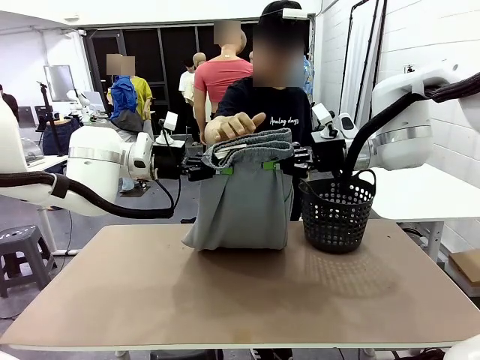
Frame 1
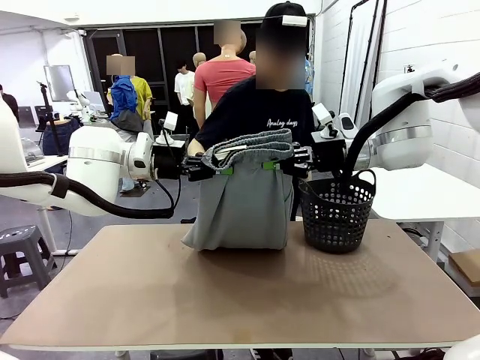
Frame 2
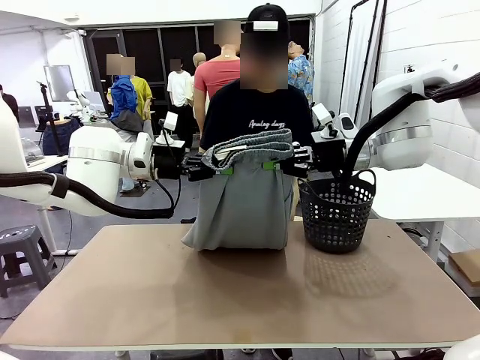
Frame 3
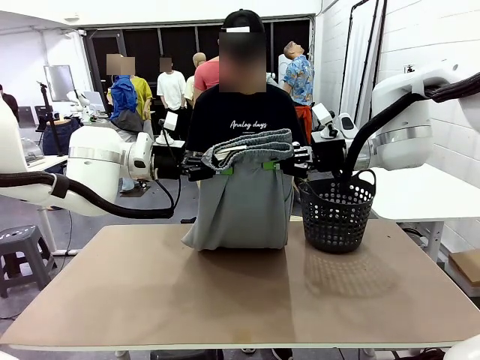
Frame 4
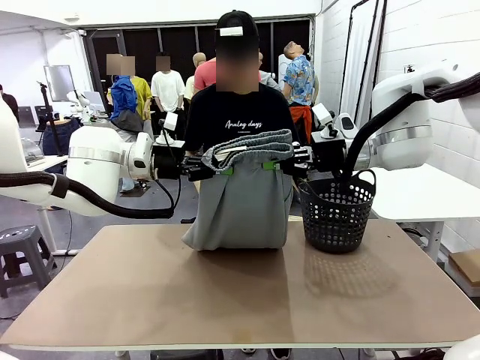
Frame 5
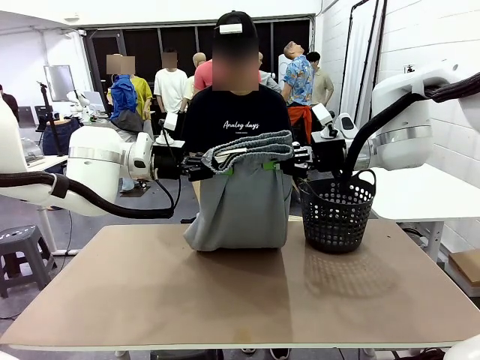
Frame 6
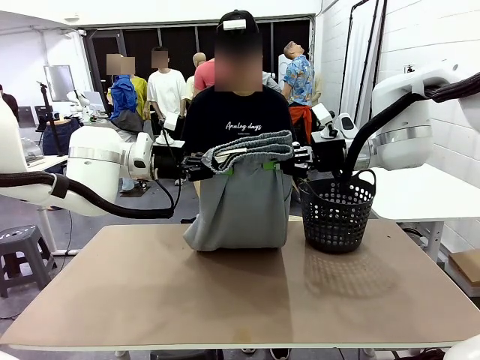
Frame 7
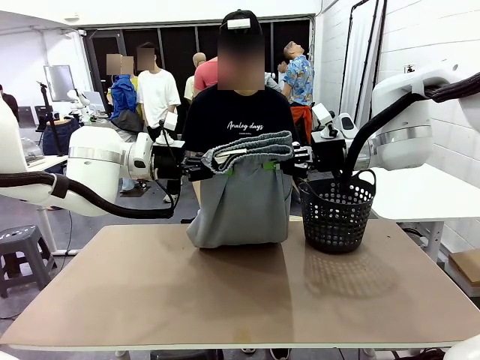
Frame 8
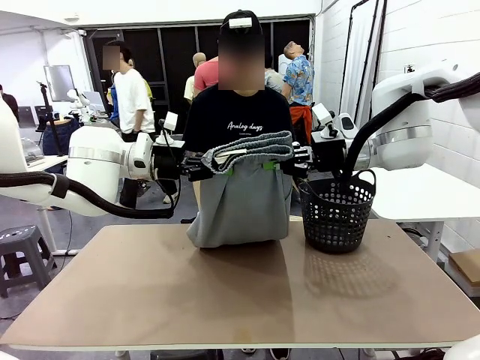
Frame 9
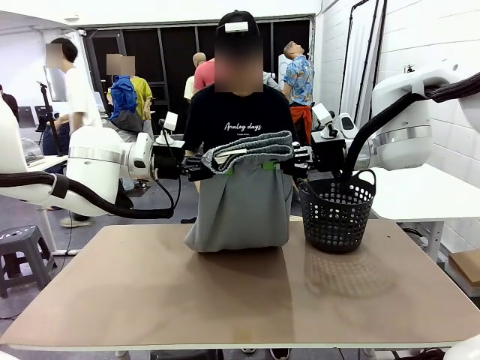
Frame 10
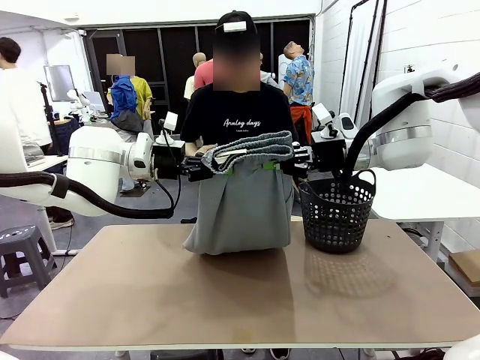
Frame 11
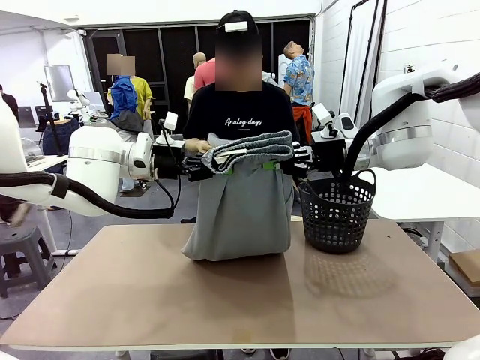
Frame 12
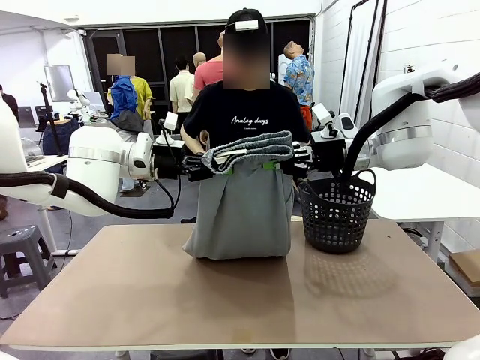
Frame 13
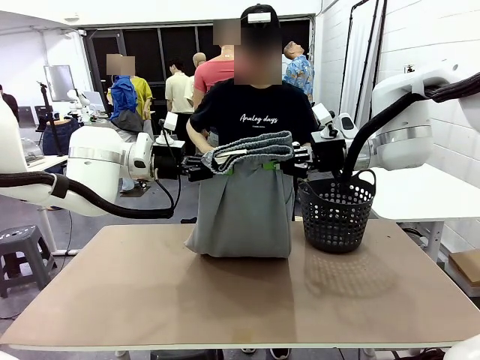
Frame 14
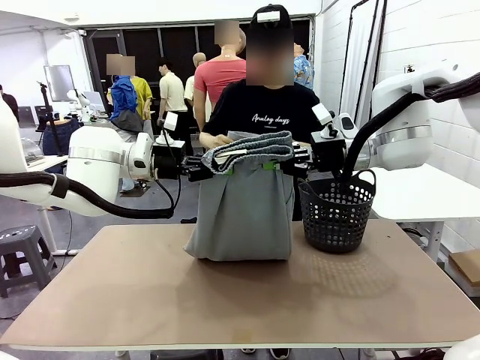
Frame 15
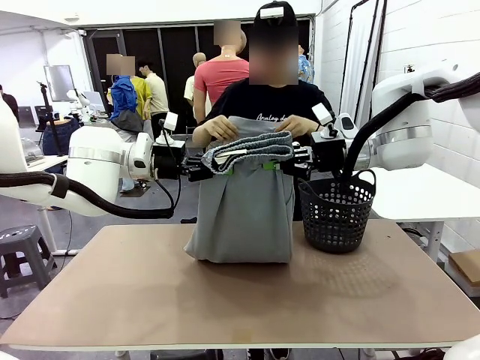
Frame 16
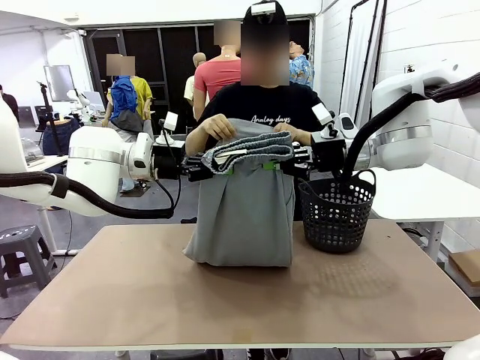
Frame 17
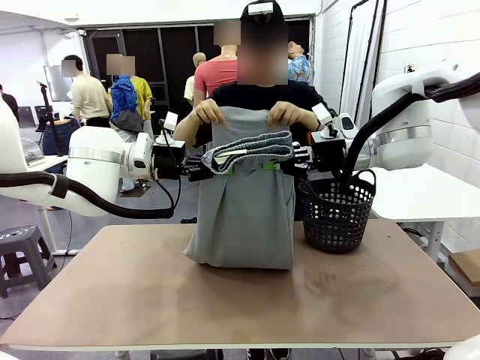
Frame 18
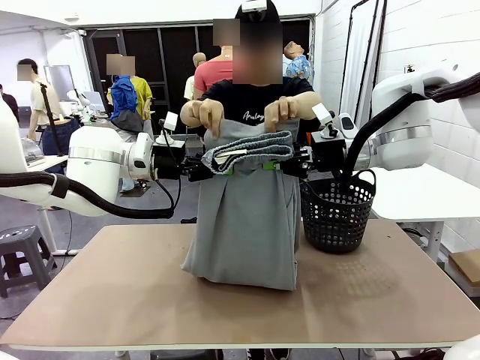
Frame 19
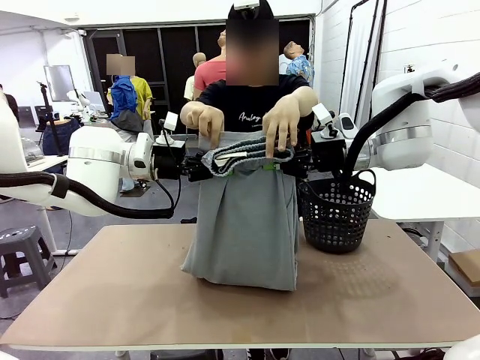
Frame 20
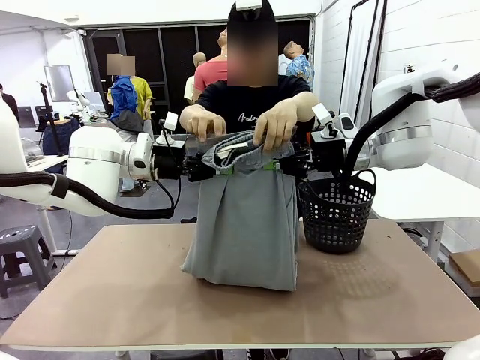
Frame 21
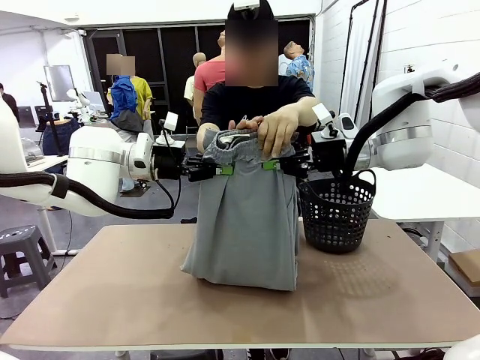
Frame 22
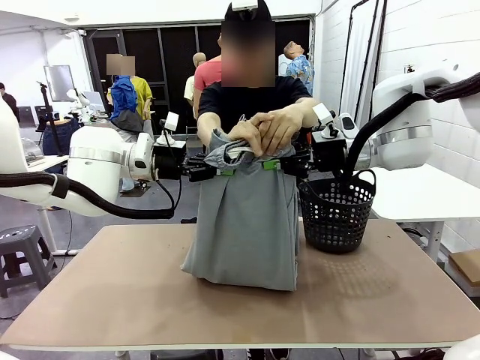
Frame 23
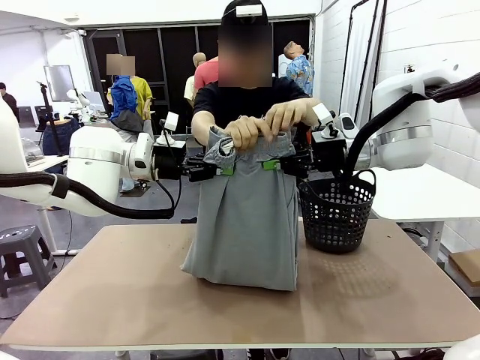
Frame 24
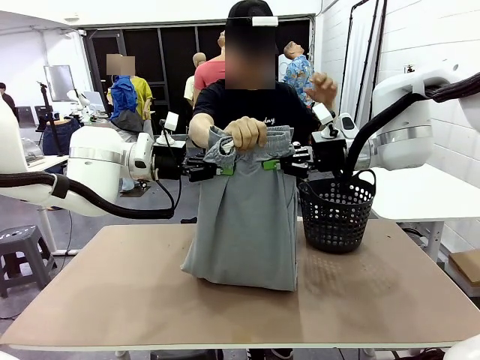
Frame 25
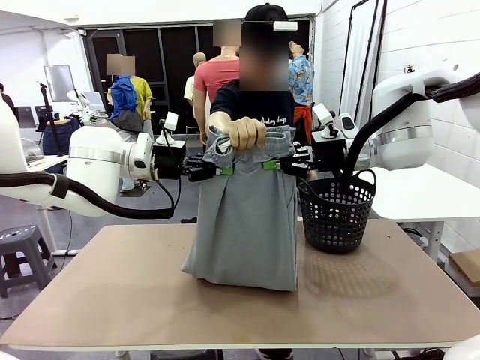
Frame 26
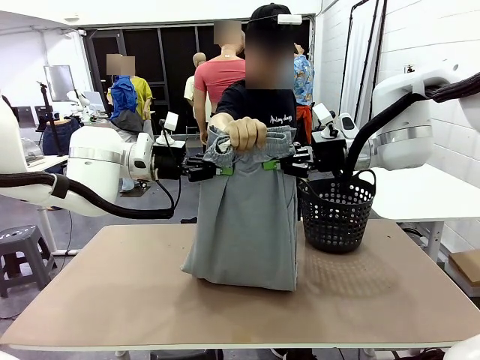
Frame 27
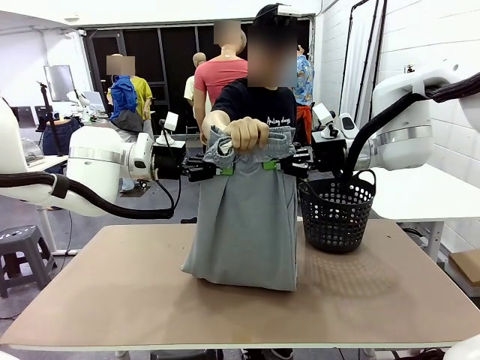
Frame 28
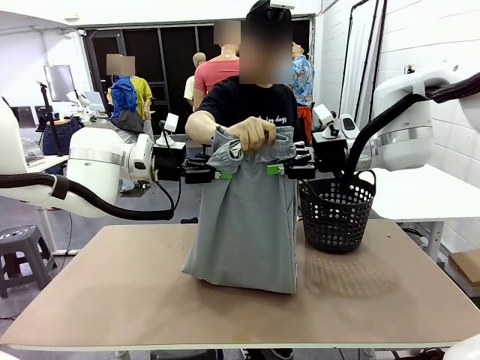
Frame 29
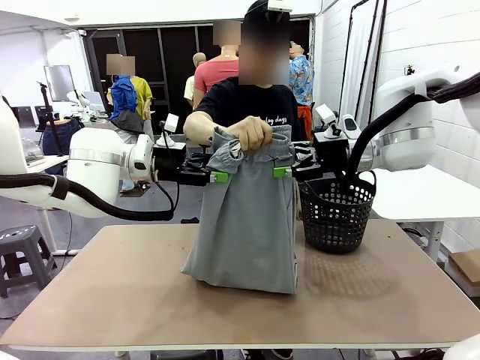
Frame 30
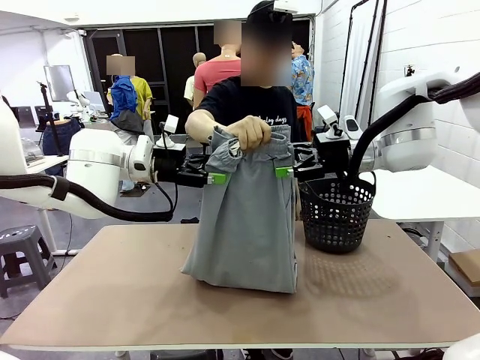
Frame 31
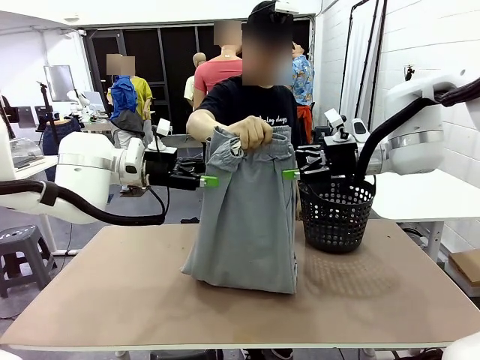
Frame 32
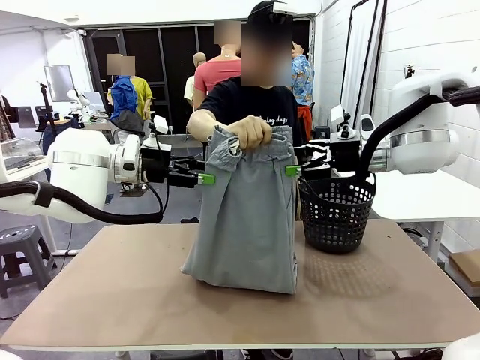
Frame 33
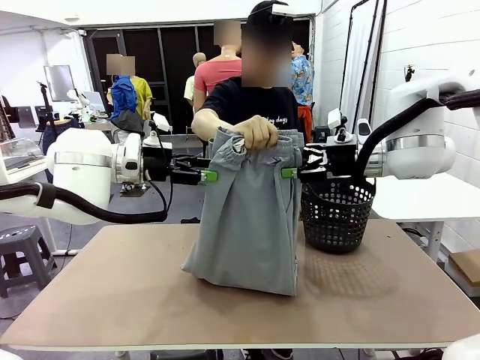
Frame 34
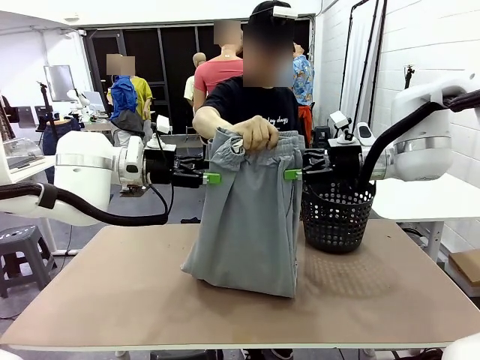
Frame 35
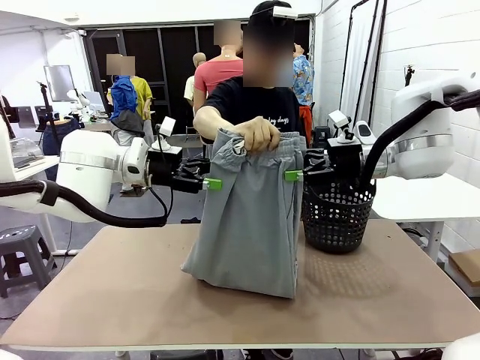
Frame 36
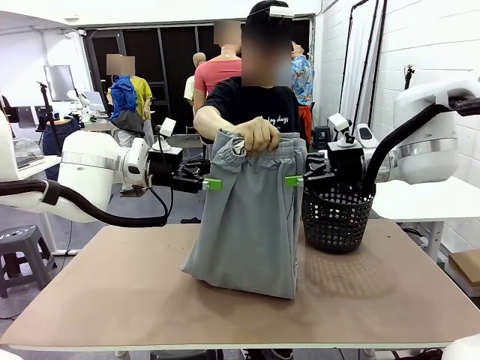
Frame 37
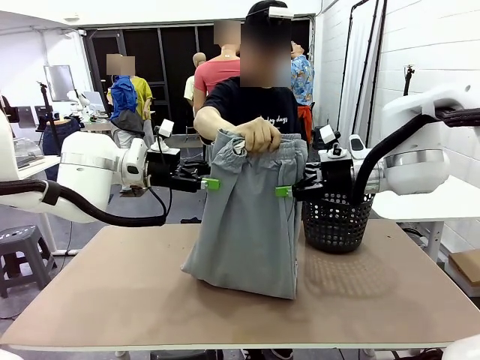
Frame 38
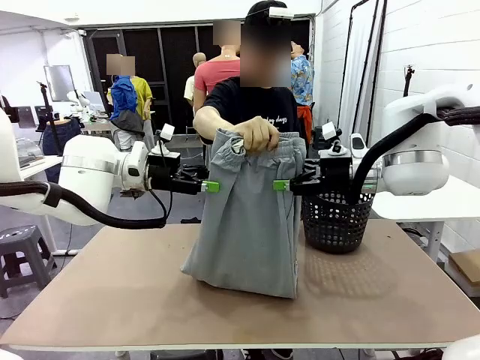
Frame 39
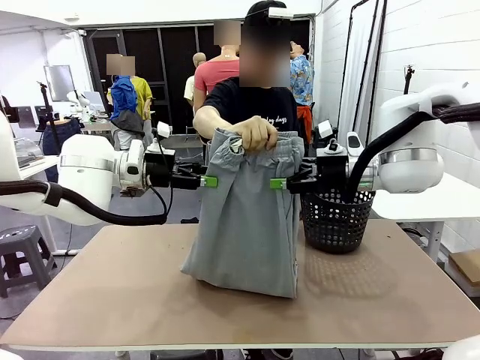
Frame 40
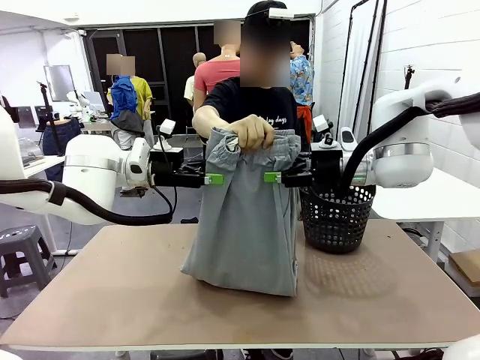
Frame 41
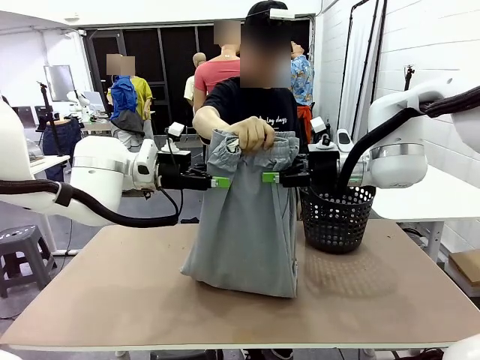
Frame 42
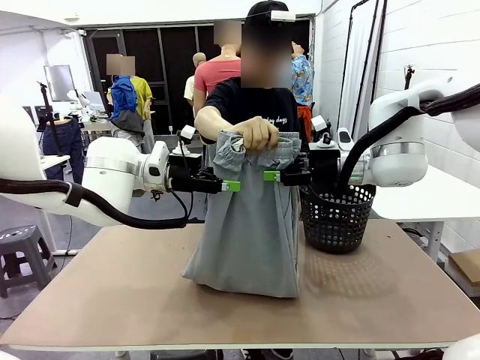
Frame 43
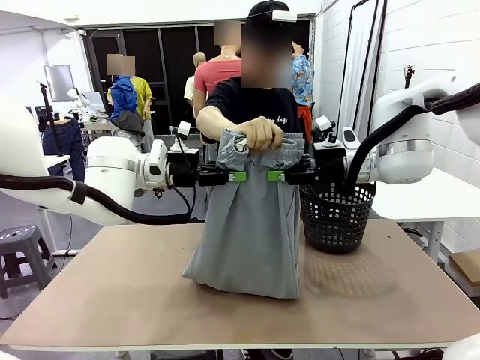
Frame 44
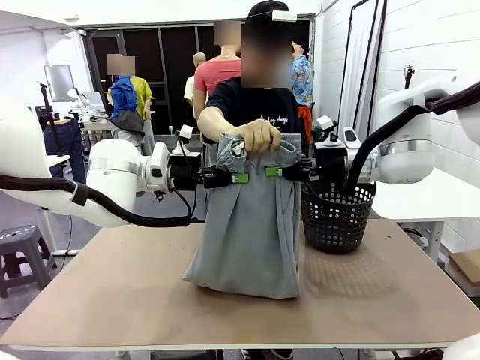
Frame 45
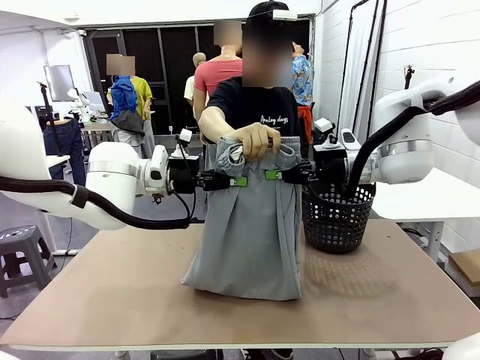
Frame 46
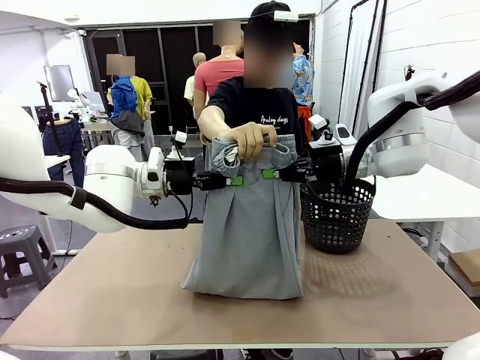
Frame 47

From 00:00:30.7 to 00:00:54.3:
Task: Fold the training pants.
Robot: Release the ends of the Training pants and then grab the overlapped ends.
Person: Grasp the end opposite the point the robot is holding, fold the pants in half, and then grasp the overlapping top end of the folded pants. Release the pants you were holding.
